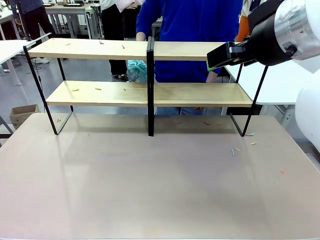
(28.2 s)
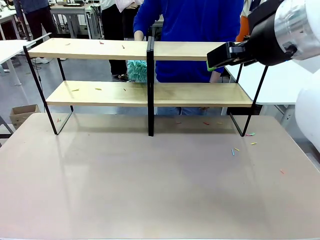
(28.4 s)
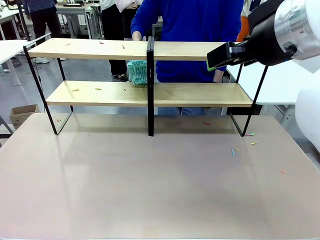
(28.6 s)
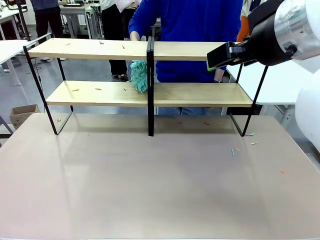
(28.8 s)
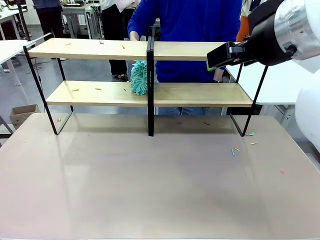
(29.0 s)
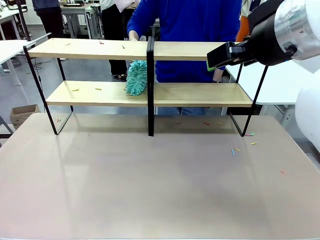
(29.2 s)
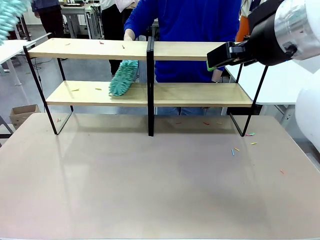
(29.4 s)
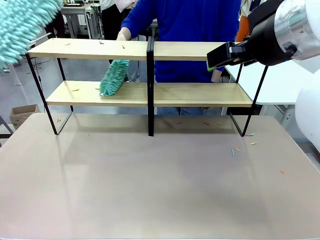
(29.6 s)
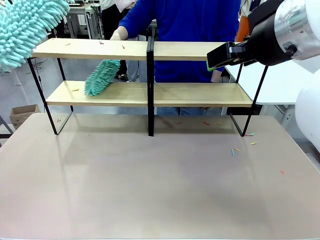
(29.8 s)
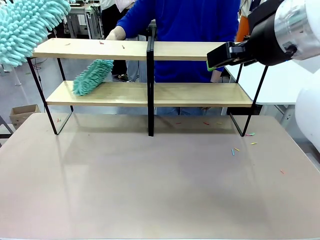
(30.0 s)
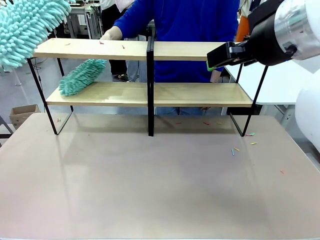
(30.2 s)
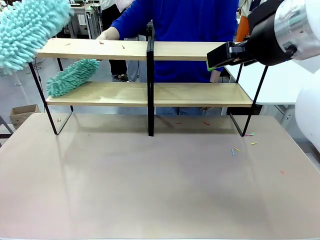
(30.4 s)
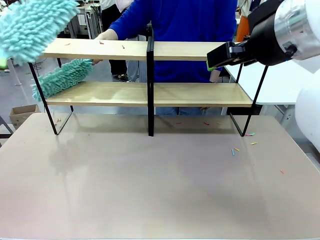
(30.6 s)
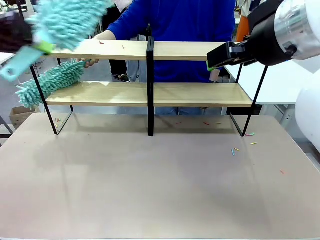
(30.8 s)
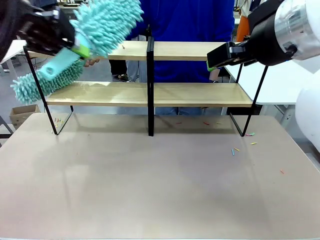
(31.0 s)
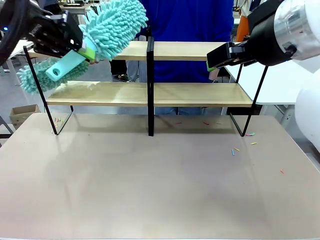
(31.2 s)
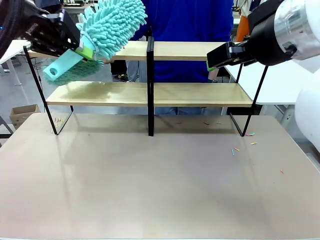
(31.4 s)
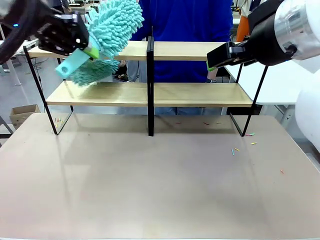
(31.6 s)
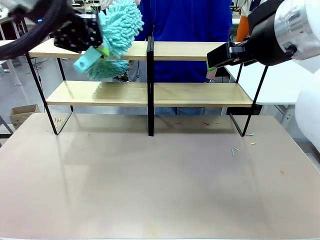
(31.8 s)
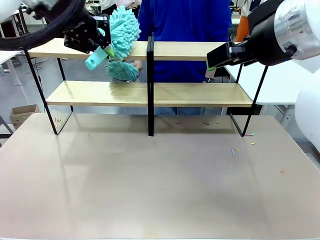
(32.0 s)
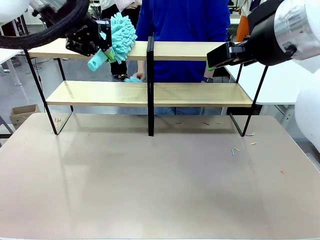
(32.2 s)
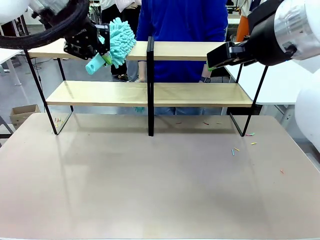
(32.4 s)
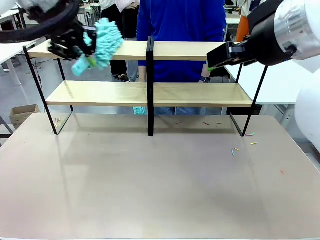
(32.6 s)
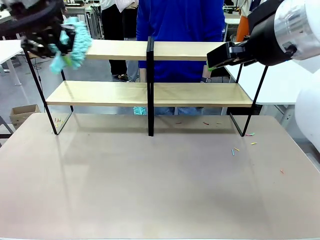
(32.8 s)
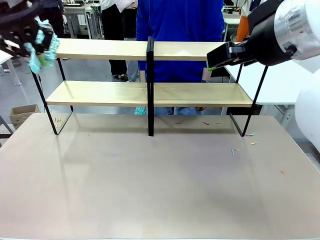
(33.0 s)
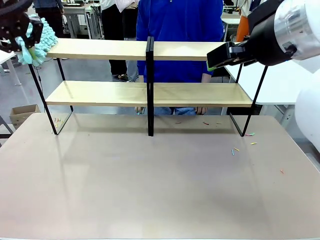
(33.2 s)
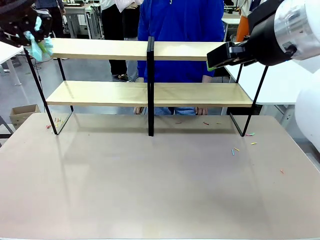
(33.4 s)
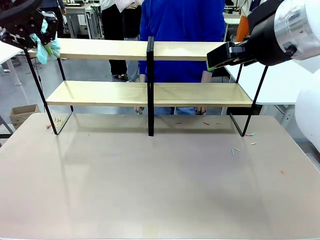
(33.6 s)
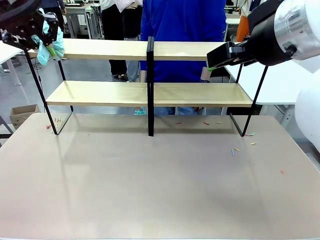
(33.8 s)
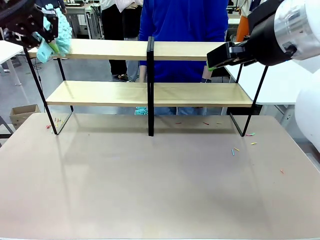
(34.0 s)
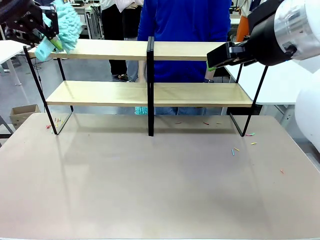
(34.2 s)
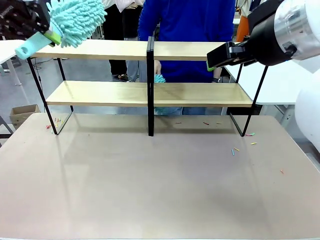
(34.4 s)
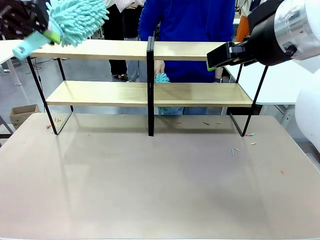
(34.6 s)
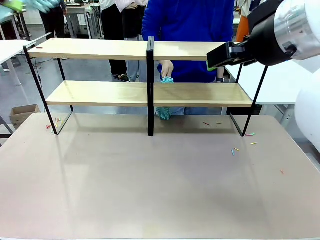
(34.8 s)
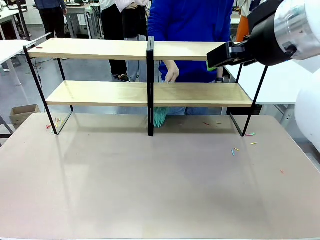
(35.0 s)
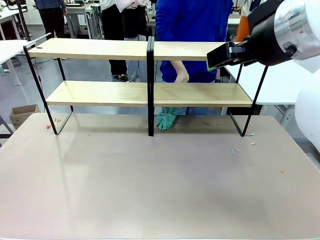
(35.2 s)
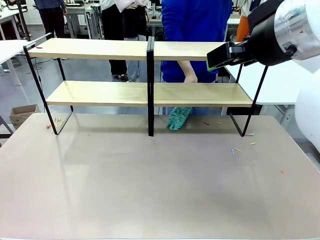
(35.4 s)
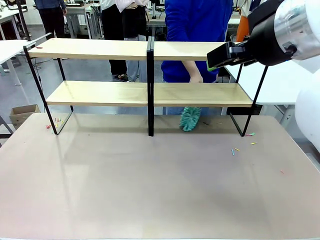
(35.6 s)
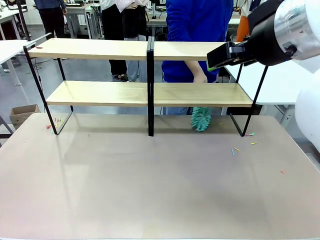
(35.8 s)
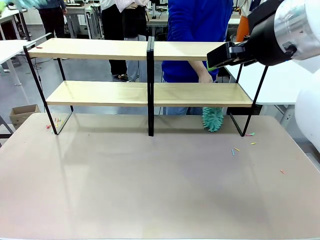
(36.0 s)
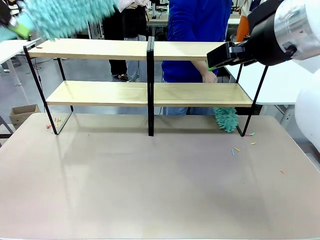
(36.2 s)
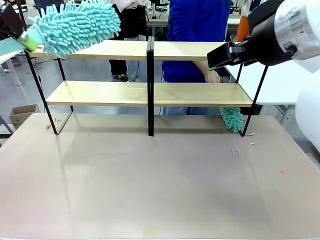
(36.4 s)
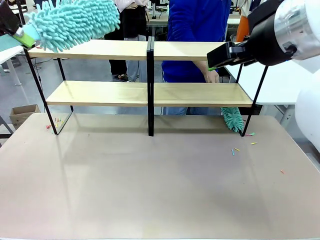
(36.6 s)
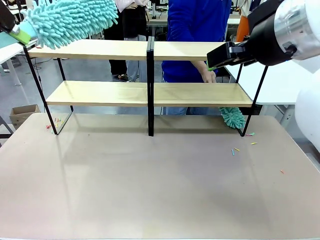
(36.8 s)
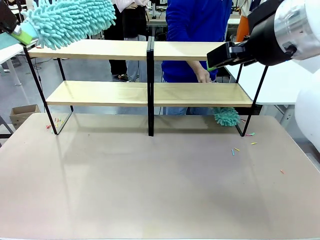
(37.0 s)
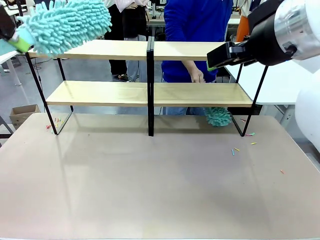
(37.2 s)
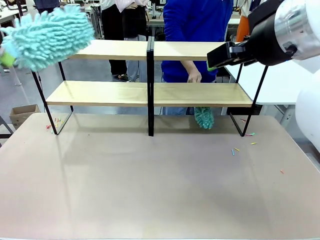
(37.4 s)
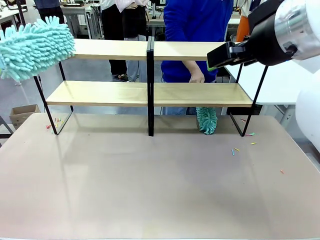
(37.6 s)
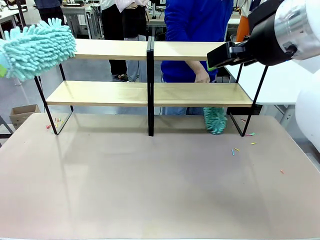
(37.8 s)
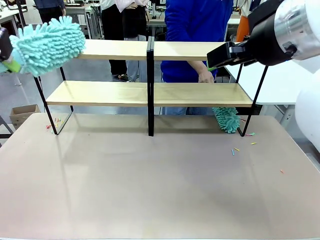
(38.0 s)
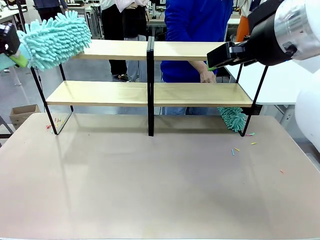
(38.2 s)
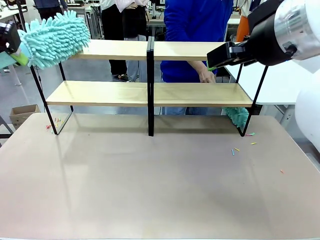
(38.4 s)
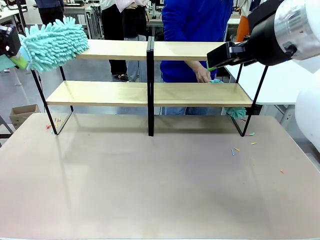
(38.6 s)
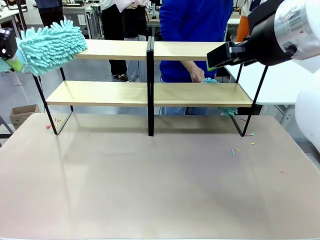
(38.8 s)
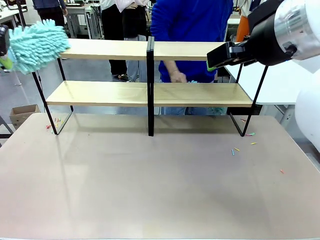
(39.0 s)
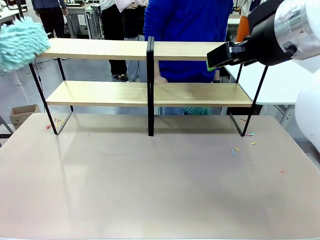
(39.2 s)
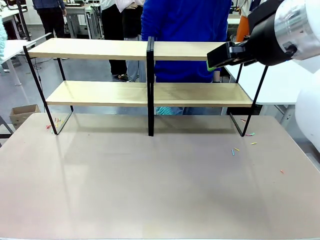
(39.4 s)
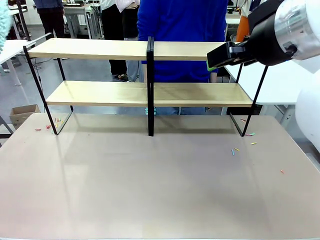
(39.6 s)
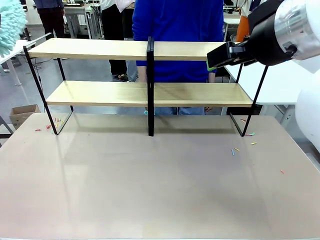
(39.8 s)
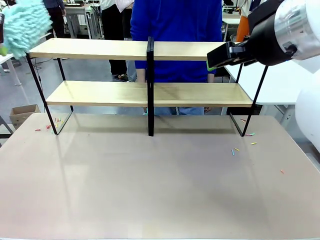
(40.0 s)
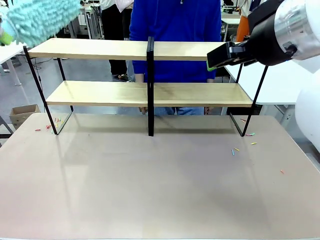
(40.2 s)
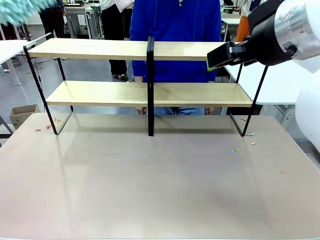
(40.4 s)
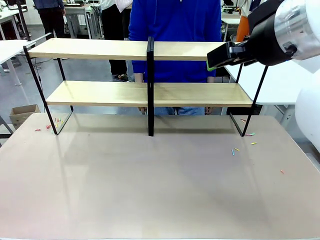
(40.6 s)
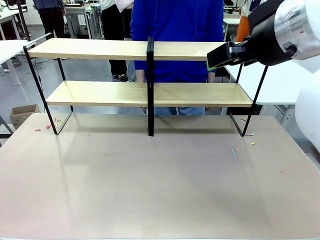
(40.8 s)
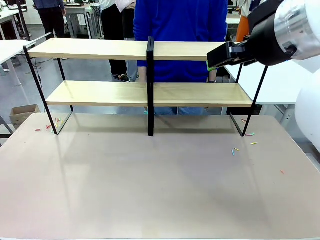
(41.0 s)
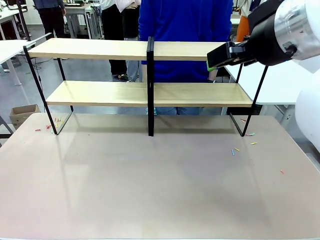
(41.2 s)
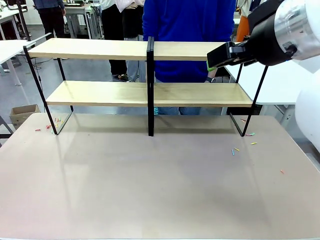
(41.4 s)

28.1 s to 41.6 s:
Task: Clean the shelves.
Robot: Clean another randomly selected level of the Shelf with the Duster.

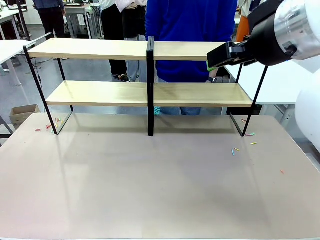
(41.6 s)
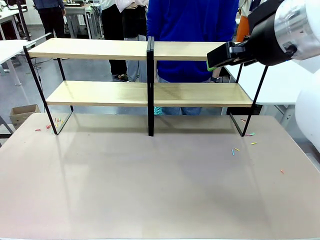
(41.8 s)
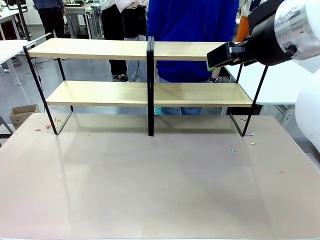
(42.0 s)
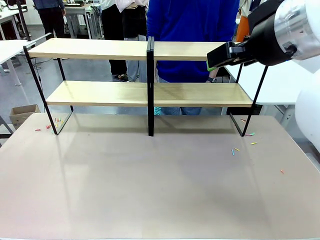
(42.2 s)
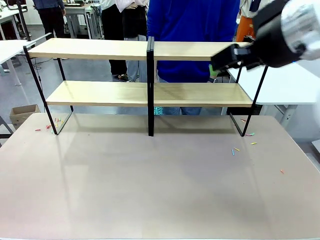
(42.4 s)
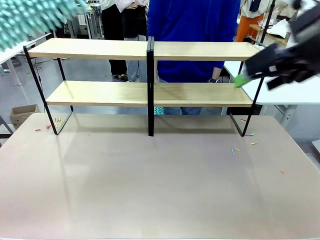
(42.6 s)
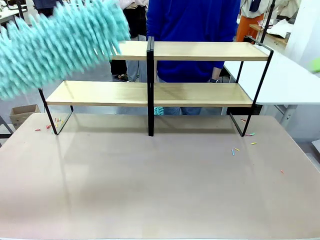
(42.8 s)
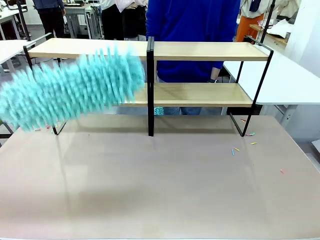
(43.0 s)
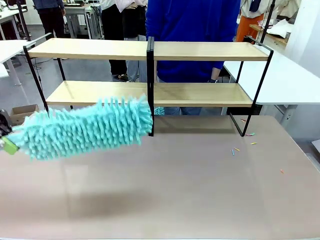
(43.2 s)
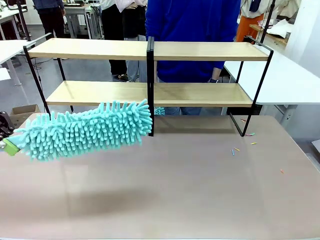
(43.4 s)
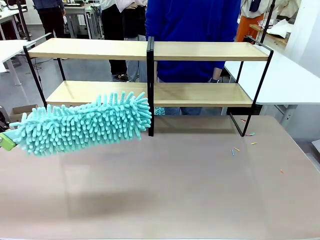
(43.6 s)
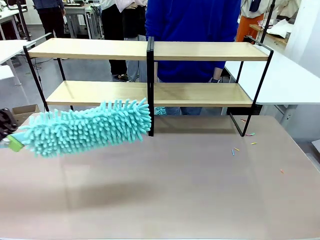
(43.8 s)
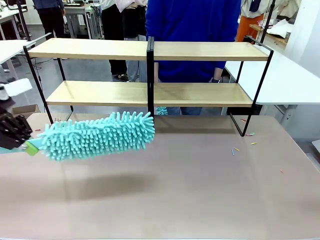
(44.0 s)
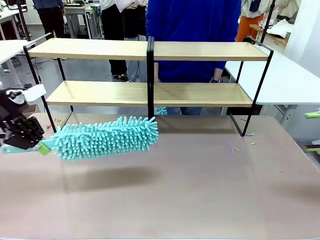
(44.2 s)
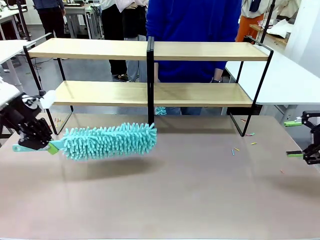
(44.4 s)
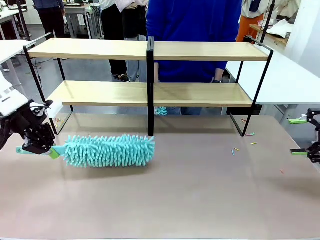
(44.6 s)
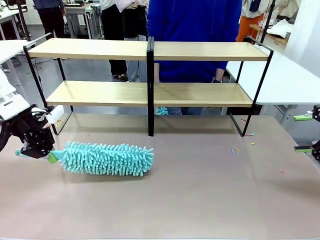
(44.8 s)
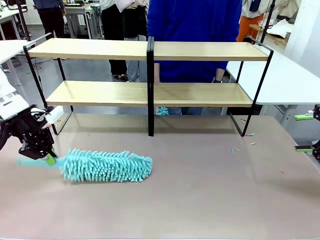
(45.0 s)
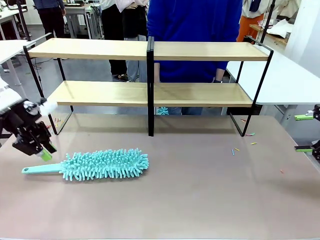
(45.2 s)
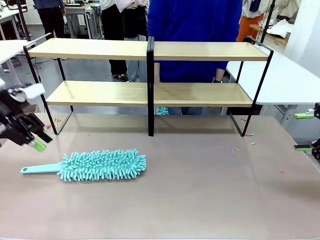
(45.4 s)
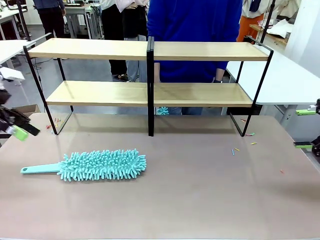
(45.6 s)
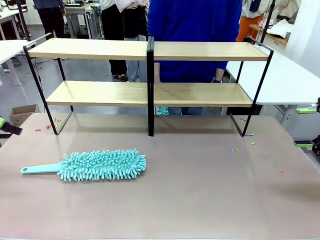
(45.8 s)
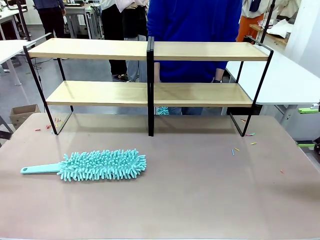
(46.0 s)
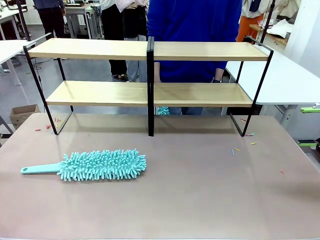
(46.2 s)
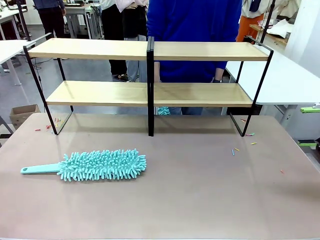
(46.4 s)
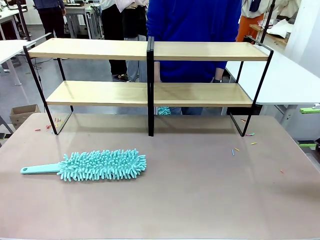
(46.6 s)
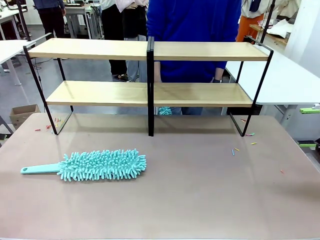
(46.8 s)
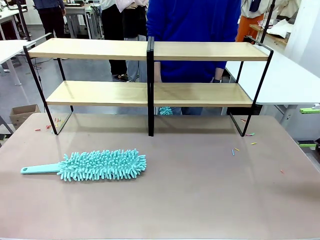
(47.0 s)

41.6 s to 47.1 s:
Robot: Place the Duster on the table.
